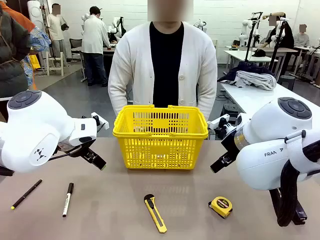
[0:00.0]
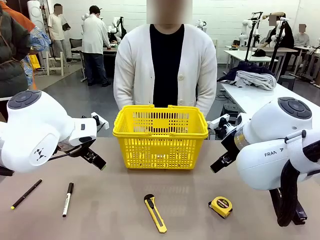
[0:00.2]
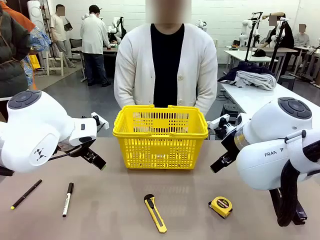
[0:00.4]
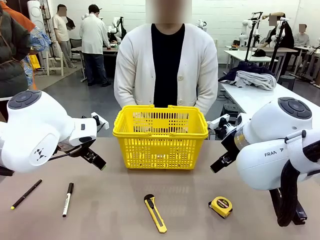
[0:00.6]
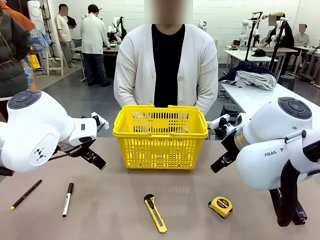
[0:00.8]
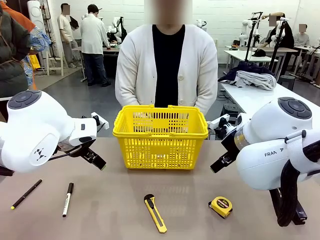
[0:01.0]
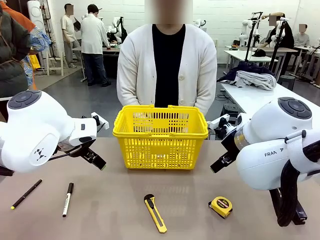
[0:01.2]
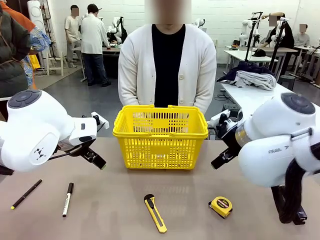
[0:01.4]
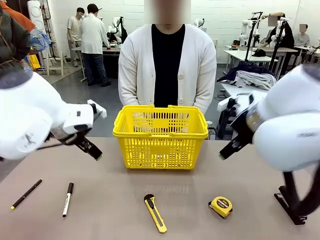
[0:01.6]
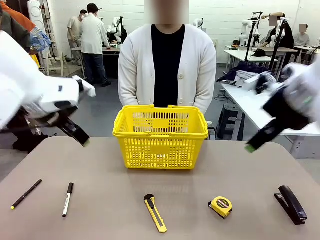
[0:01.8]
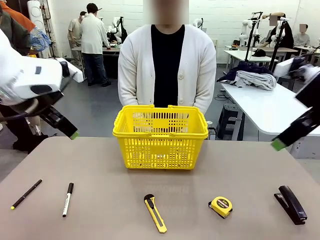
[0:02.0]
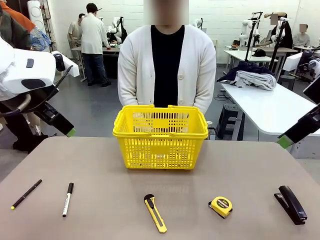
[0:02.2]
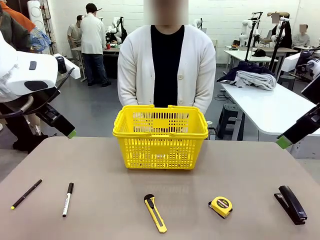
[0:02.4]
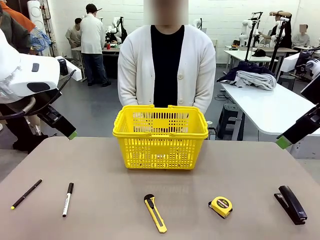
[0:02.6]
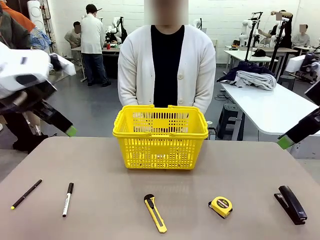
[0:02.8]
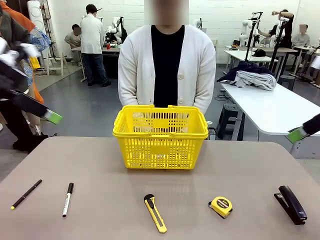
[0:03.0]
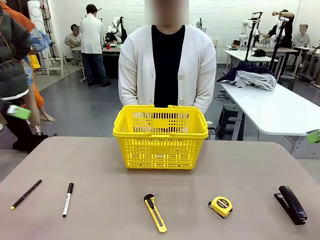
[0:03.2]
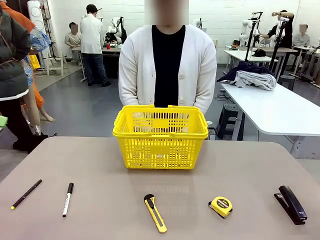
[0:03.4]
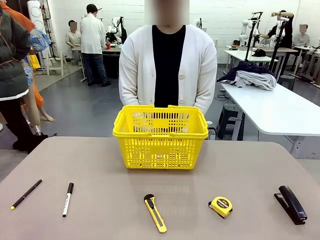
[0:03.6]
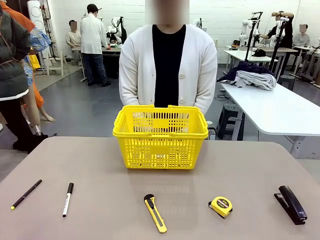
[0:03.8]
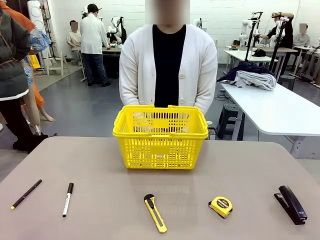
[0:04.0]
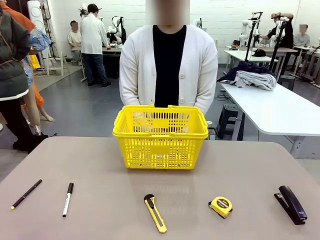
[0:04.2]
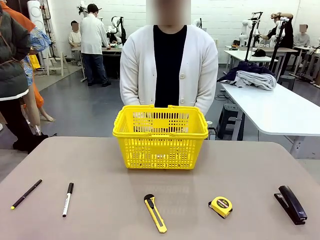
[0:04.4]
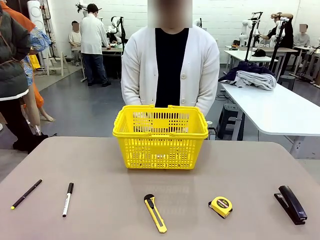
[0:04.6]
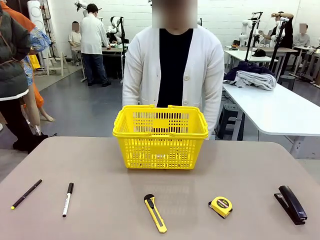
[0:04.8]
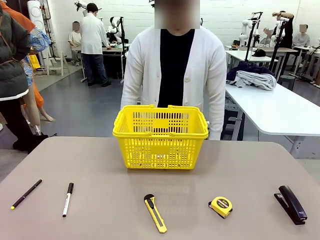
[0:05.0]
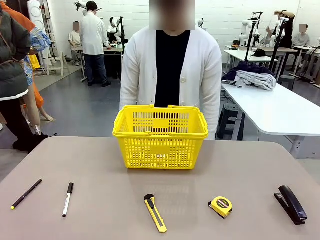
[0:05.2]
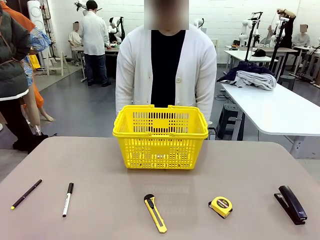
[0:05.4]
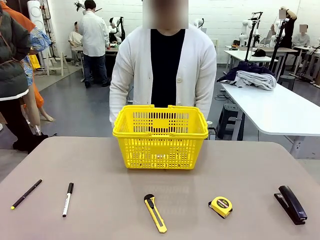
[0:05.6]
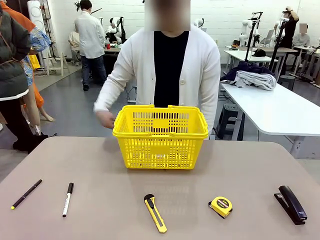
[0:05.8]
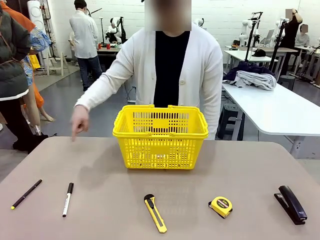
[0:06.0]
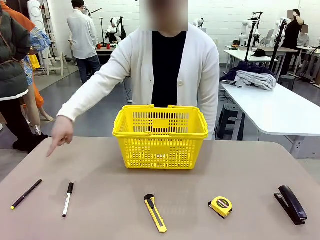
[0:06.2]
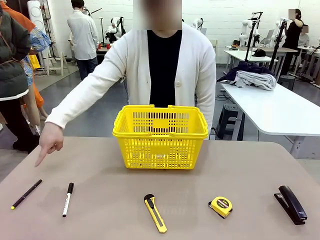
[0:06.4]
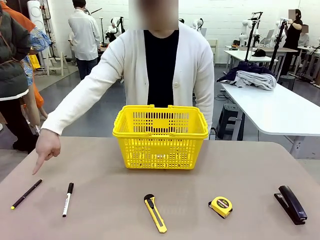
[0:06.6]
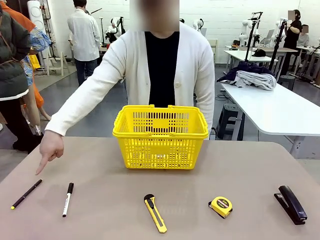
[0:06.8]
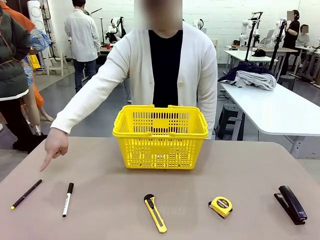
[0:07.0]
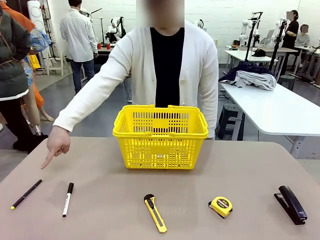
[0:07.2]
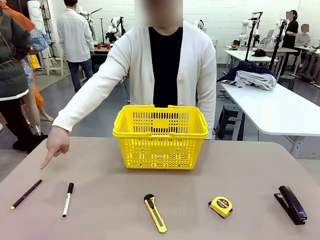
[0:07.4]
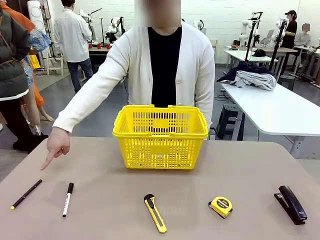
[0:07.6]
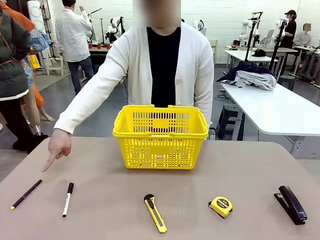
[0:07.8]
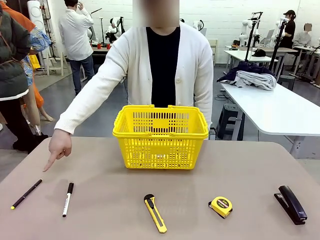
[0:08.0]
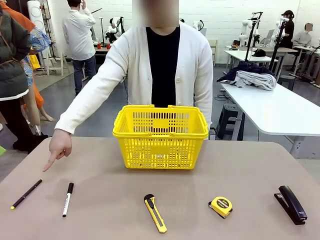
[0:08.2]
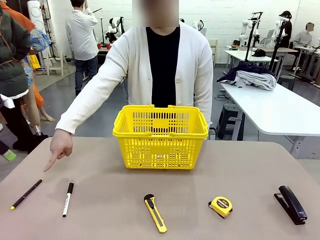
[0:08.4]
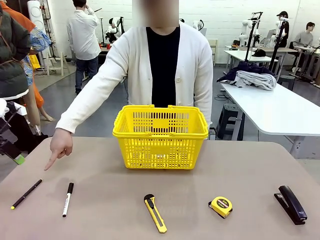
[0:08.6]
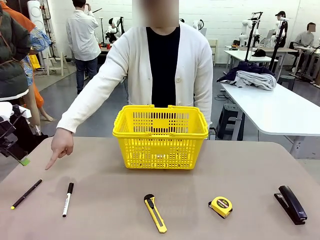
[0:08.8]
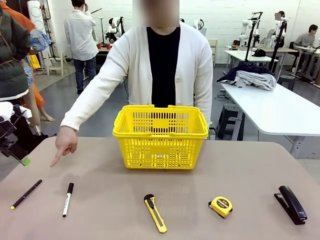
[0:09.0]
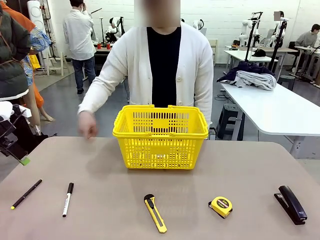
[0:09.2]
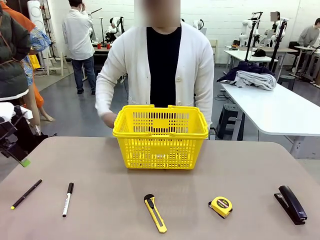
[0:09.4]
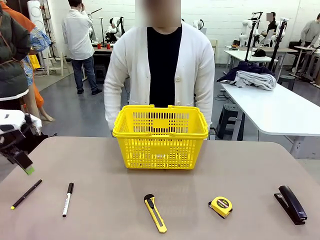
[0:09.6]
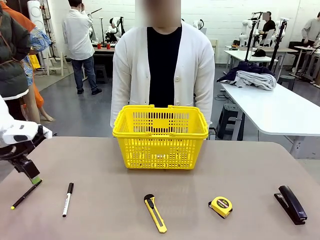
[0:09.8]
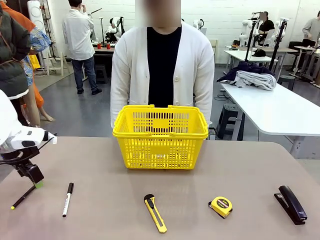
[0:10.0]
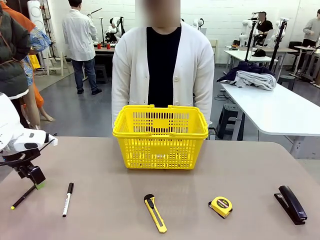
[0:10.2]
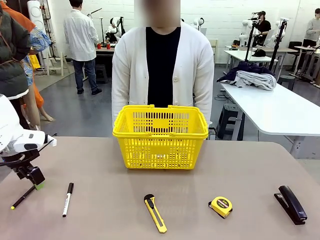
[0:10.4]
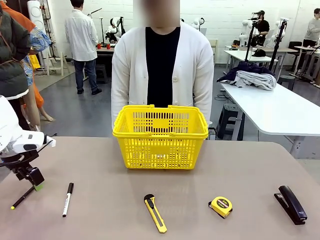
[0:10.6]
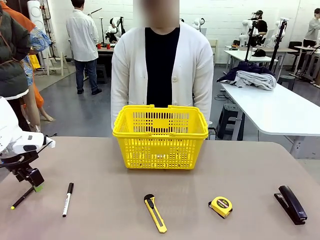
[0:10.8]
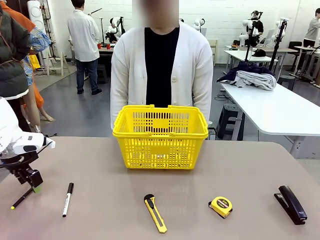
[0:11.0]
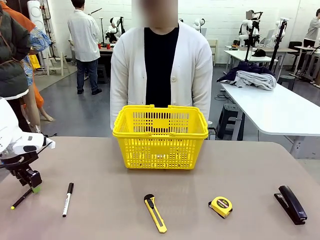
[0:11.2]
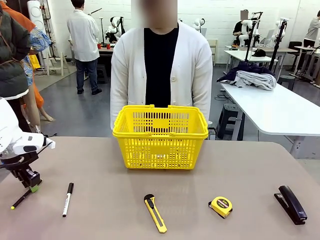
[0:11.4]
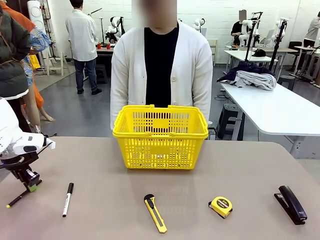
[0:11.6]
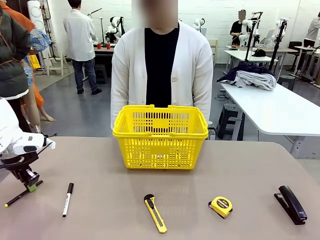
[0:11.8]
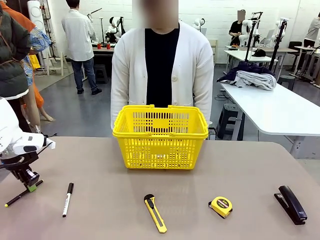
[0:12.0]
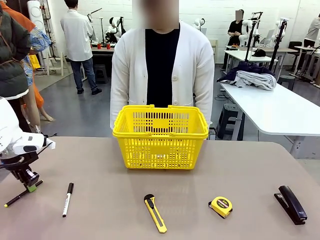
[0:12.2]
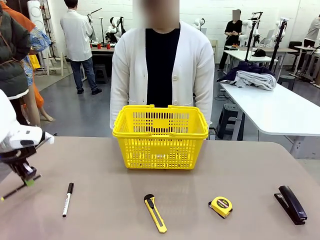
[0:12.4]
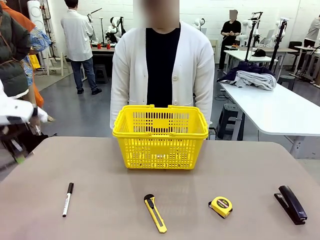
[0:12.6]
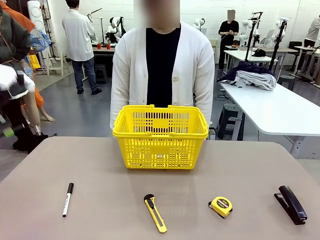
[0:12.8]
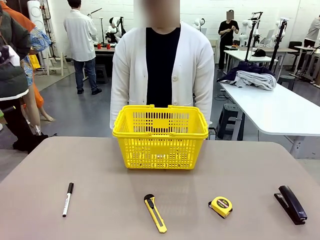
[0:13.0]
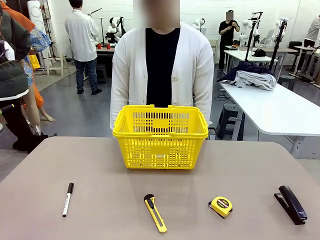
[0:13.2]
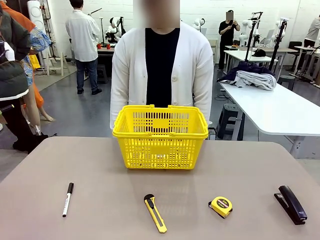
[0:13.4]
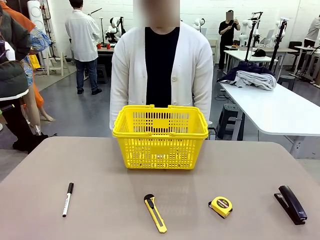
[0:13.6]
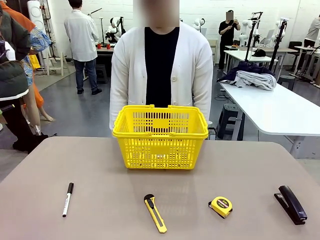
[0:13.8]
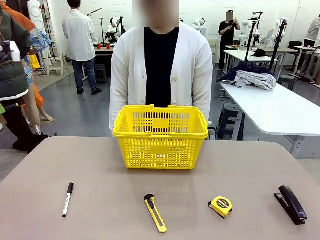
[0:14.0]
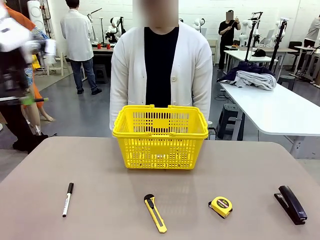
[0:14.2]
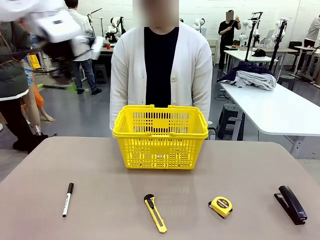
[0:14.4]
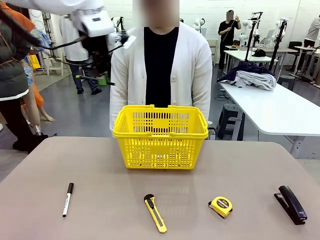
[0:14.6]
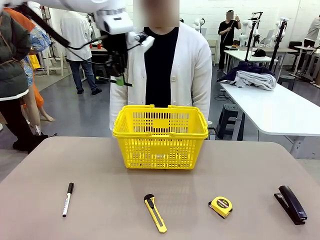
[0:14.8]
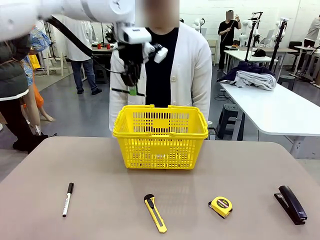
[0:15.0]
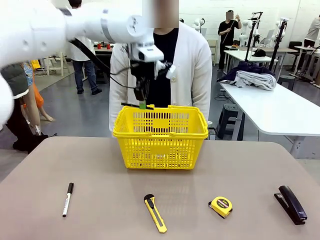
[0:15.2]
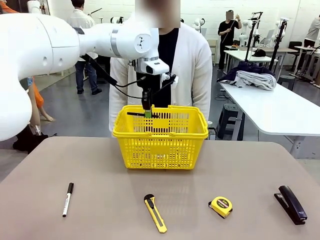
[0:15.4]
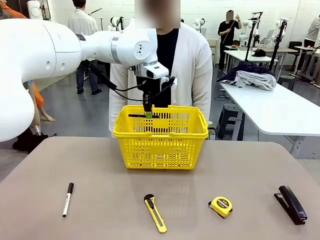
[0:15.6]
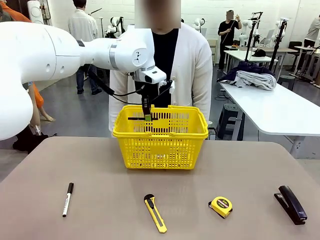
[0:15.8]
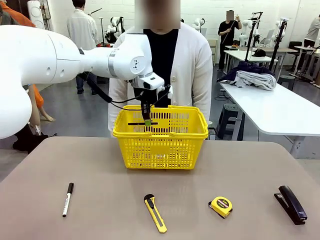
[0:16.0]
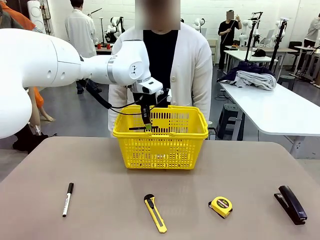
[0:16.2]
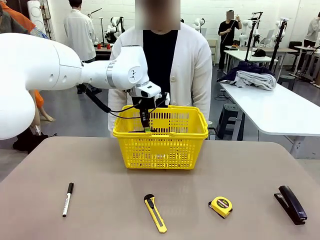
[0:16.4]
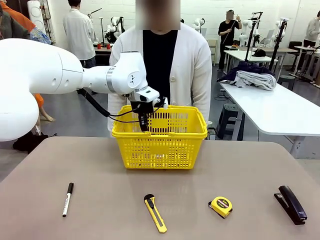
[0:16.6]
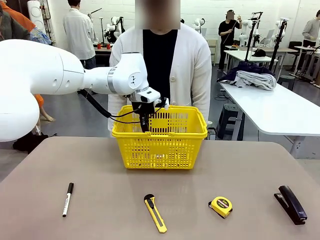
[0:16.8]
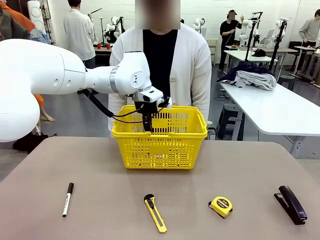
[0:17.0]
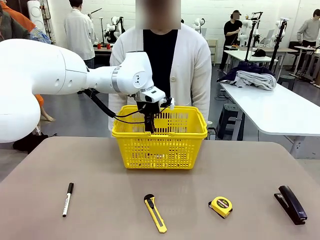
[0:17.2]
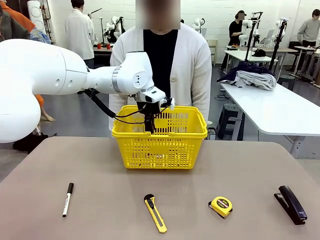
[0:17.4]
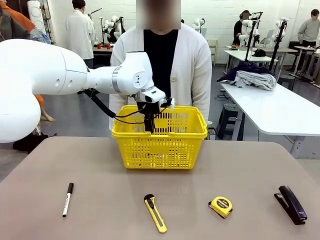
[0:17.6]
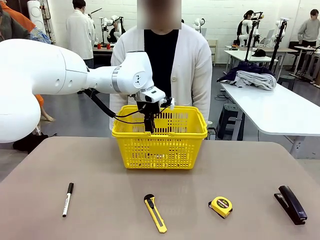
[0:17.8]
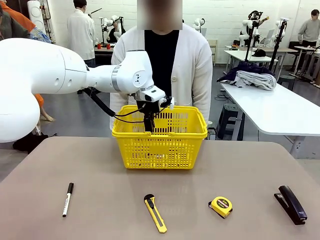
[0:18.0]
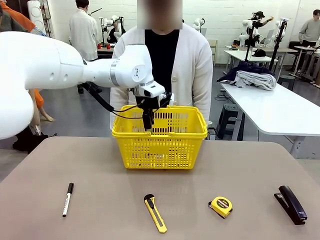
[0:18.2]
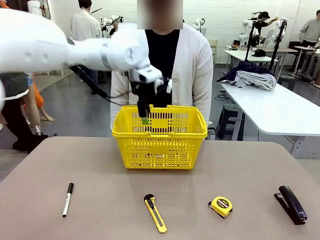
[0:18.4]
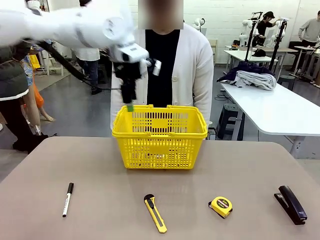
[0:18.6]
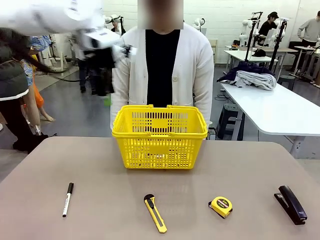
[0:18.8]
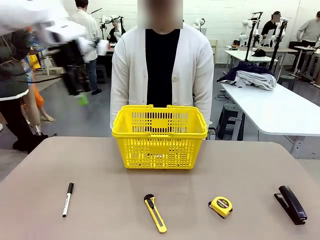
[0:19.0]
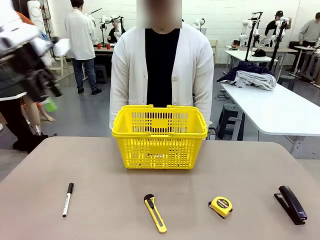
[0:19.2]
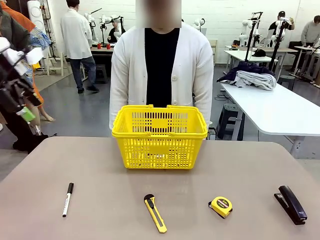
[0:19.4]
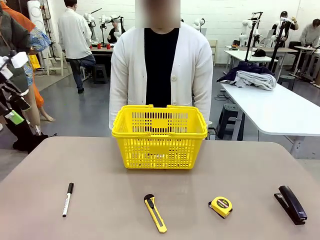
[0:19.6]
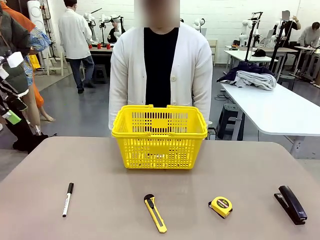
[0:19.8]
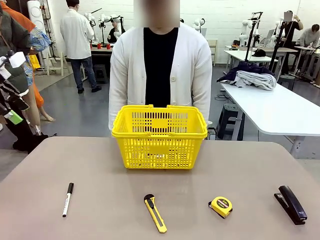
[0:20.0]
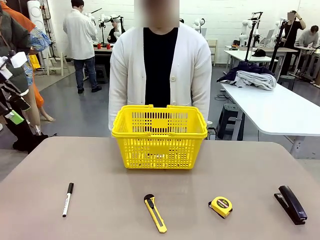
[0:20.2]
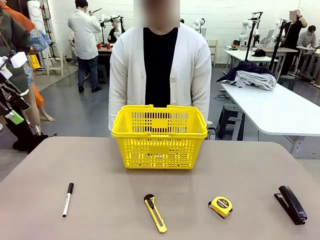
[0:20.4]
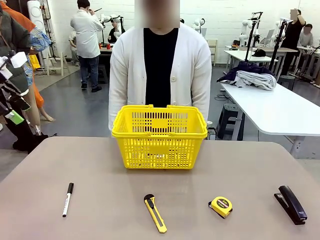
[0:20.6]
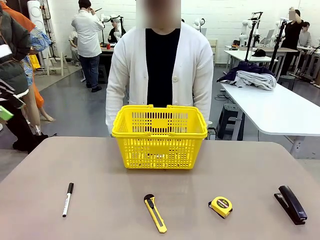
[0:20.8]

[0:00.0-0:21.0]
Task: Place the items the person wants into the basket.
Robot: Pick up the item the person points to and place it in the Market Basket.
